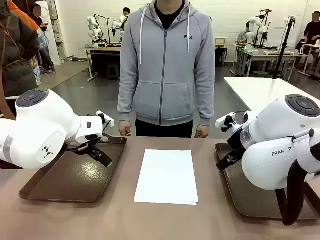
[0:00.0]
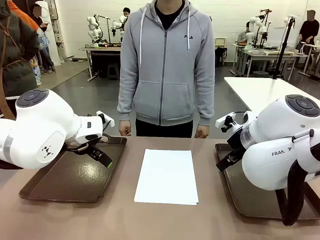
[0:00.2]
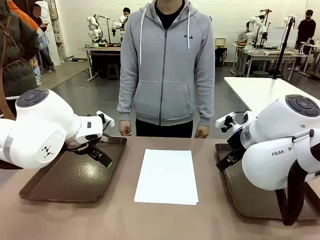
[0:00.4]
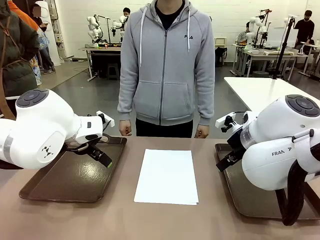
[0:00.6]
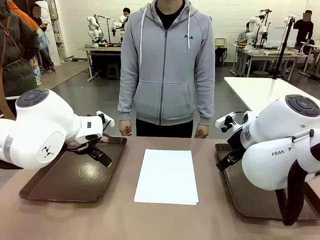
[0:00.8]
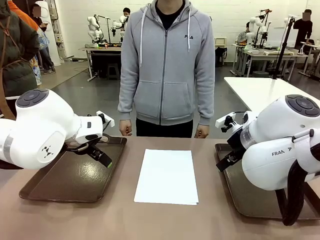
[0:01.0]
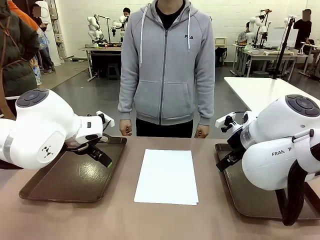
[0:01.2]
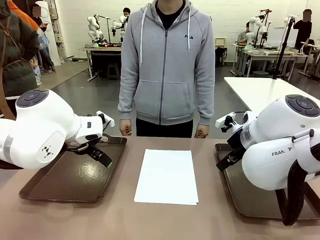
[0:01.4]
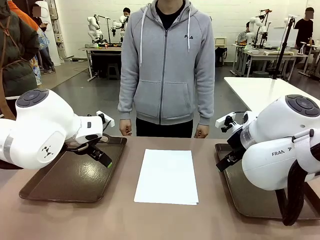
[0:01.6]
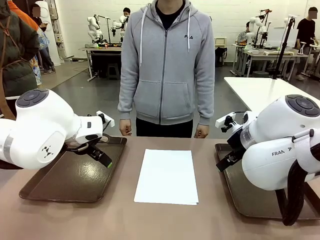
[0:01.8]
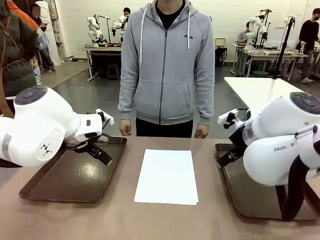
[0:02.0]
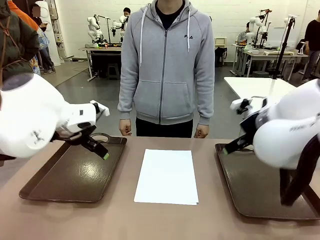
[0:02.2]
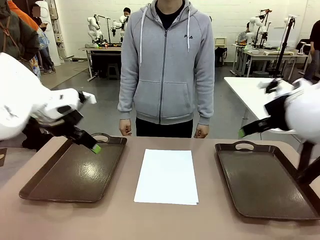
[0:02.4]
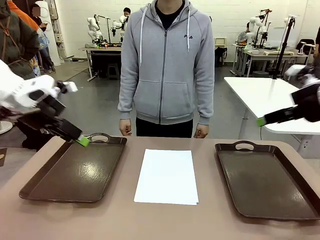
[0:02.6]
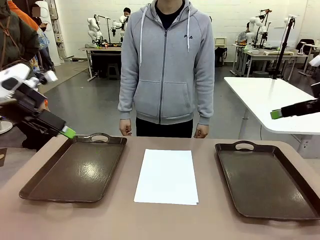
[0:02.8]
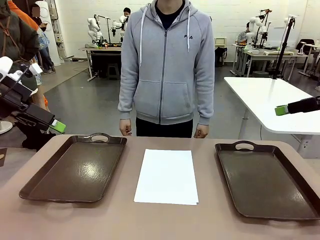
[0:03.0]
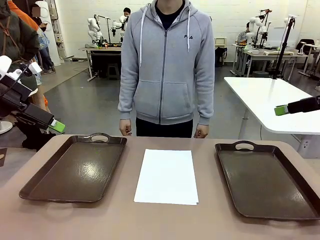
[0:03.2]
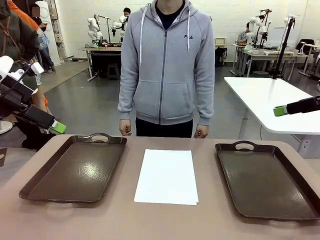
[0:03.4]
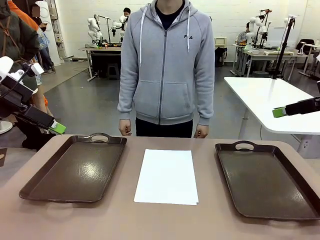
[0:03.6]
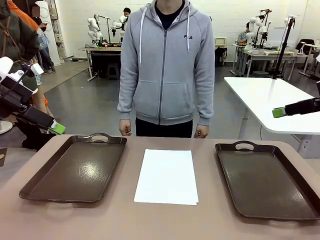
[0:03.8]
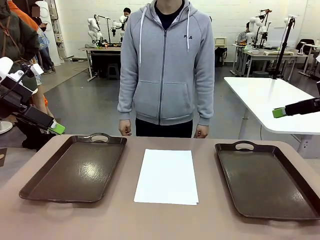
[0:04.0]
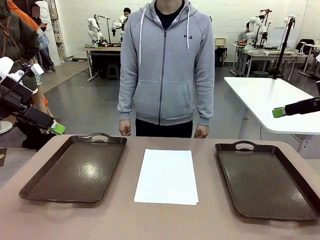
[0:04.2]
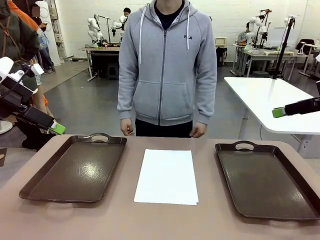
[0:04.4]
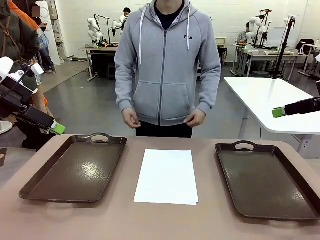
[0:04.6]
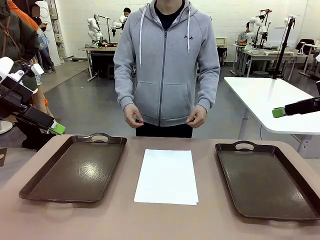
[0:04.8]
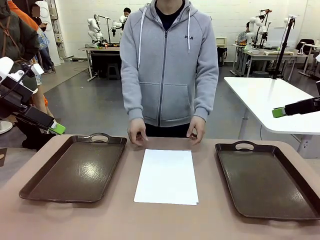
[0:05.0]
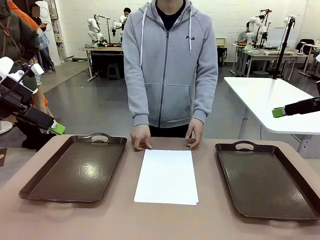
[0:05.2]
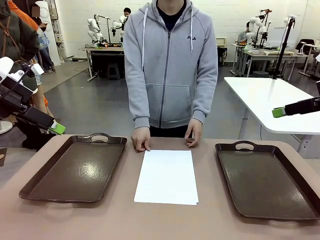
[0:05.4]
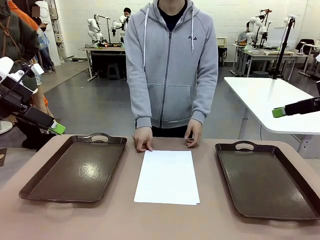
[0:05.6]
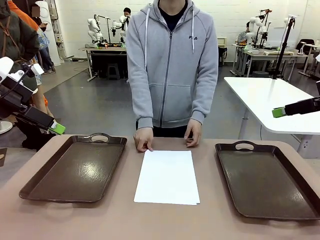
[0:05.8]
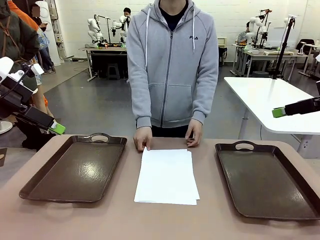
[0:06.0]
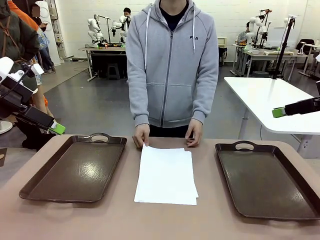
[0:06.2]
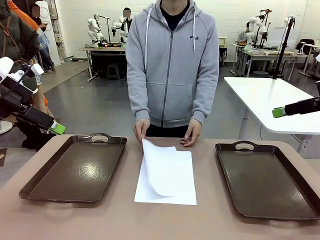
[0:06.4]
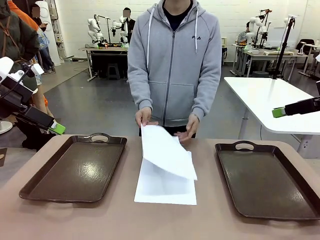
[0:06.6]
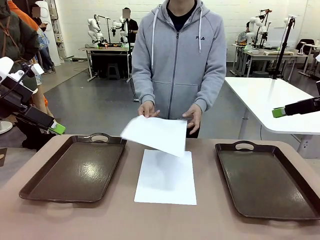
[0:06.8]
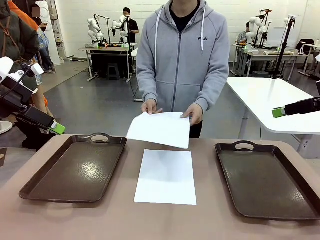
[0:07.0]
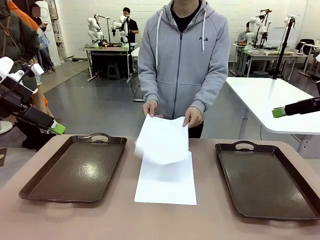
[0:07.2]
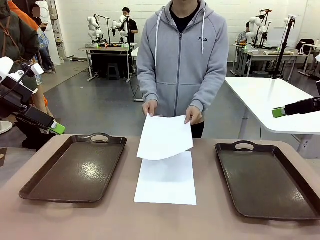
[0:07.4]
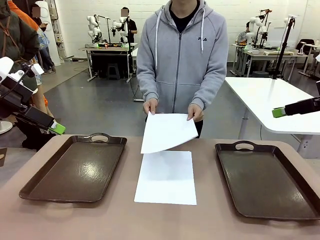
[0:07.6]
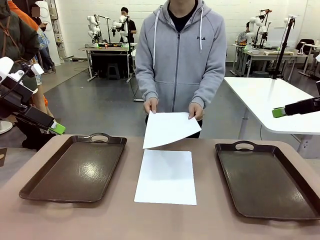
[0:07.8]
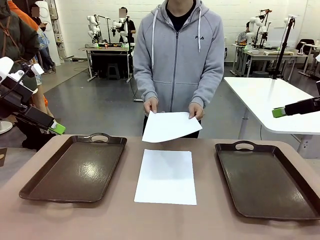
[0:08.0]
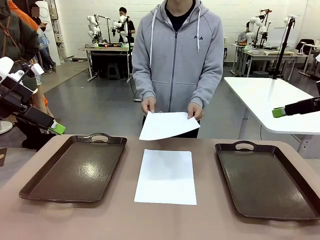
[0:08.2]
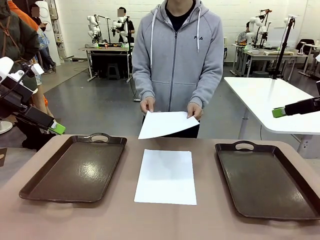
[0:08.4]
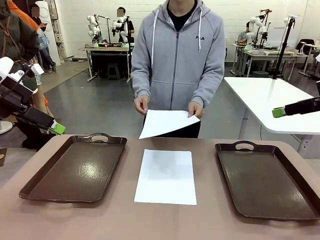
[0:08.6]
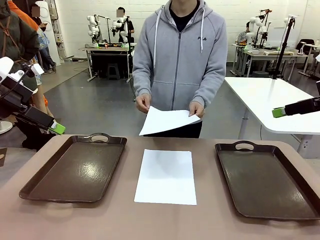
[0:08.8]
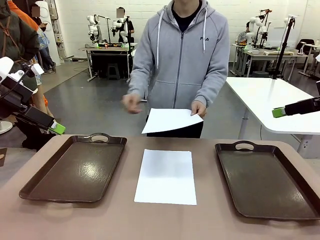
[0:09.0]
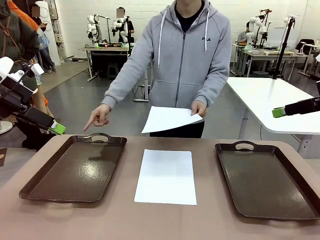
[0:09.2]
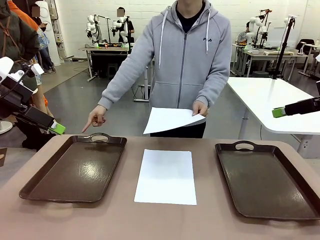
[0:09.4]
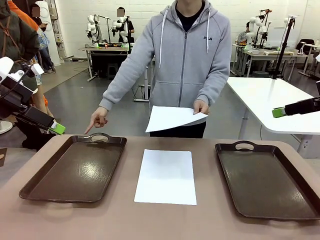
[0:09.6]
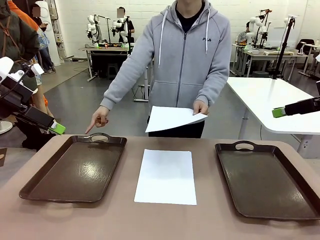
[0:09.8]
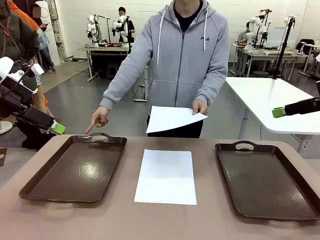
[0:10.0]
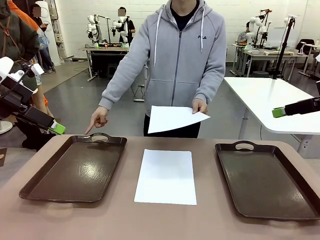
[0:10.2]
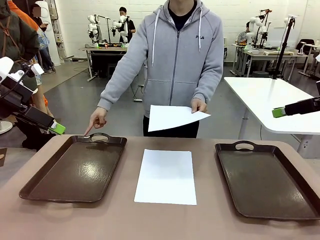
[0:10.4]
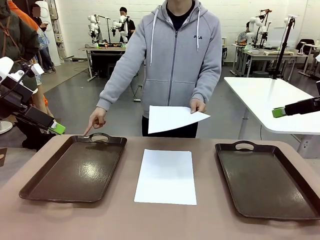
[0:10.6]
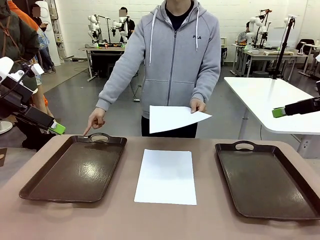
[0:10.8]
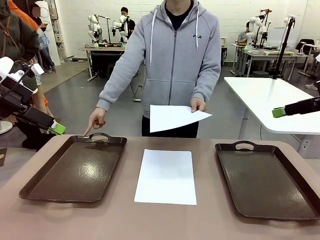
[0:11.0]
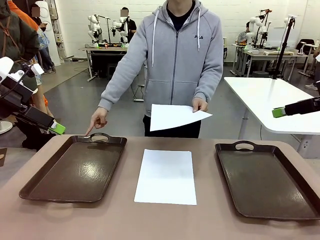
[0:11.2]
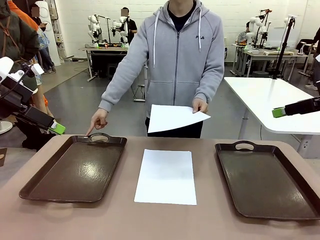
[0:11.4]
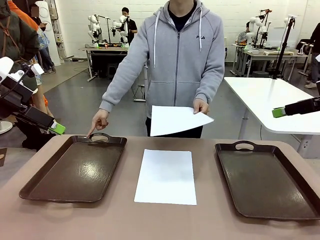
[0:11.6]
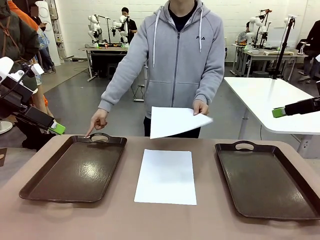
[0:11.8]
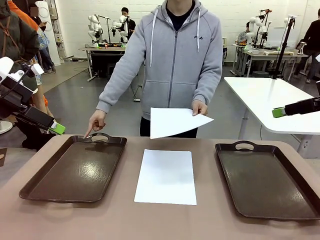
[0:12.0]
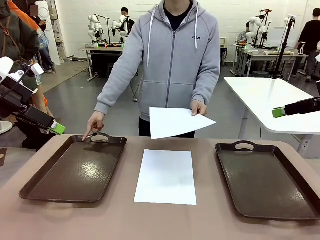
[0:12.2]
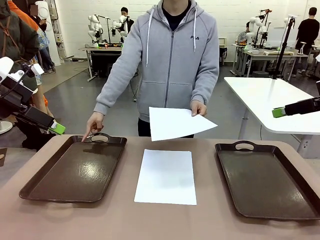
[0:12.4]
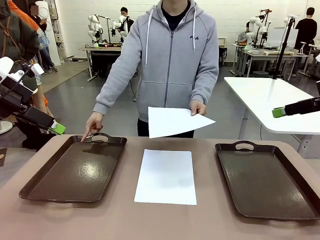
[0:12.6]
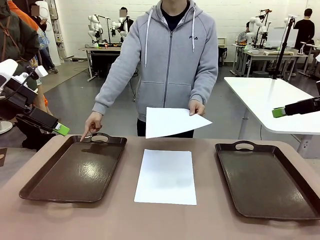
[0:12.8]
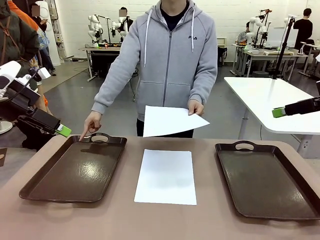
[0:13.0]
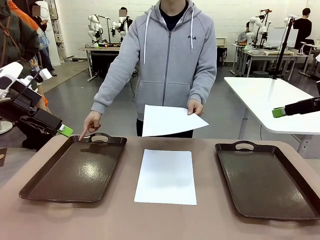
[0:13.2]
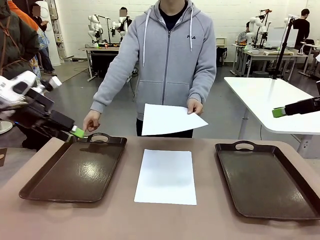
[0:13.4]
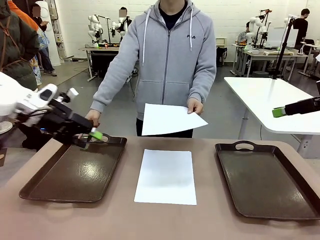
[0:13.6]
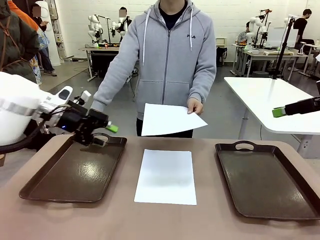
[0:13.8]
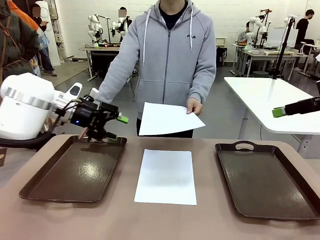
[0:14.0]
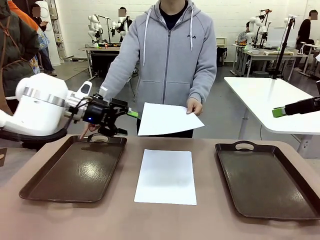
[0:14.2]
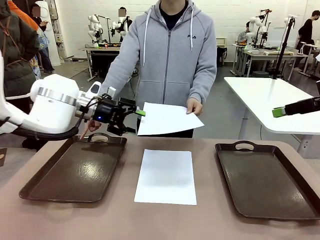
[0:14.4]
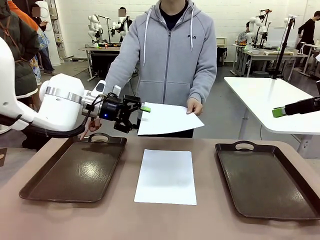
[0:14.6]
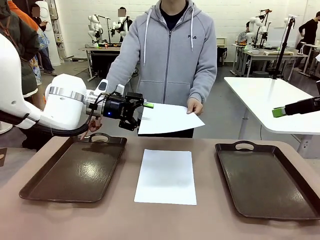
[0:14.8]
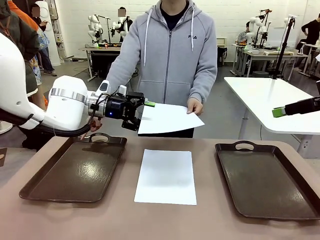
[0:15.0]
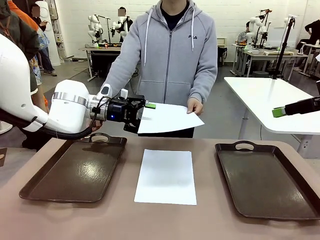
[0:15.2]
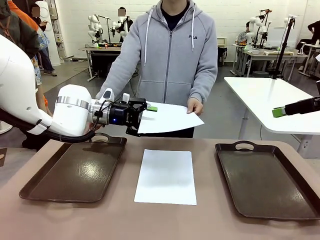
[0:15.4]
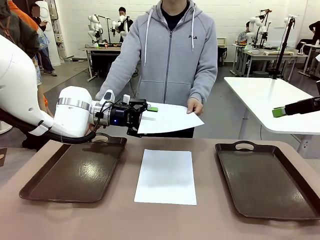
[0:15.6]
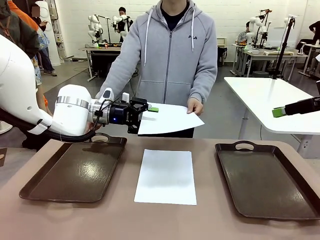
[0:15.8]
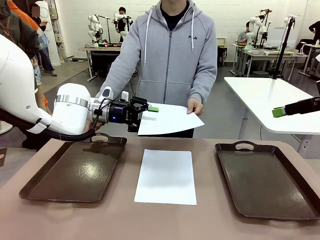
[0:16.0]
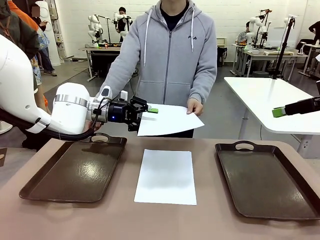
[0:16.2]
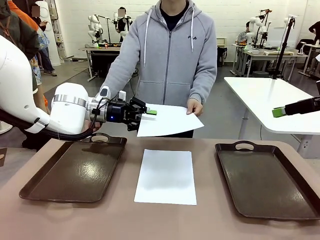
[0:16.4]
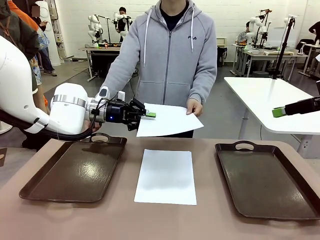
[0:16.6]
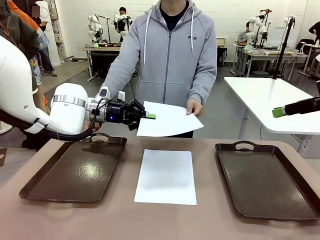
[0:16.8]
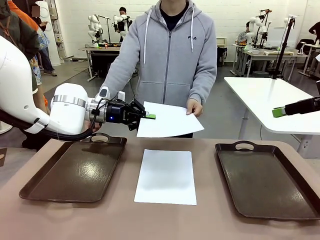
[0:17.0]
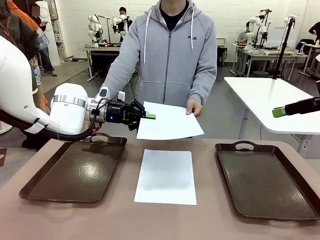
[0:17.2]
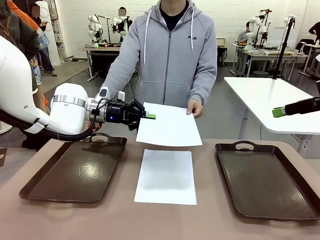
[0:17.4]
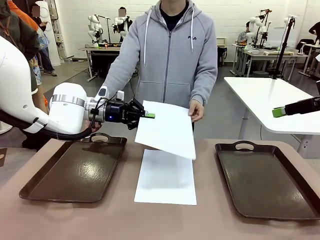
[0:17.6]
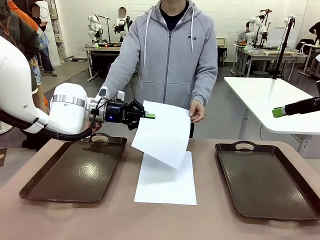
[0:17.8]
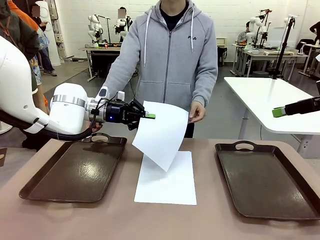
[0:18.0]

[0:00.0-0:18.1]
Task: Sort the A4 documents.
Robot: Receive the A4 Paper.
Person: Pick up a sheet of paper from the center of the table and hand it to the robot. Point the randomly selected tray with the other hand.
